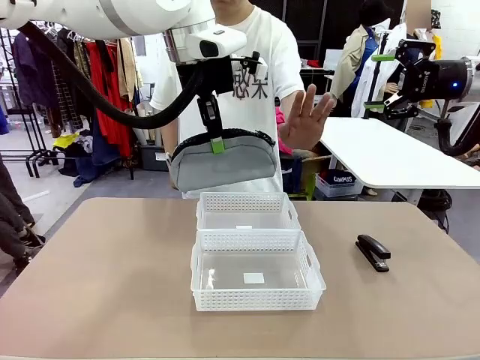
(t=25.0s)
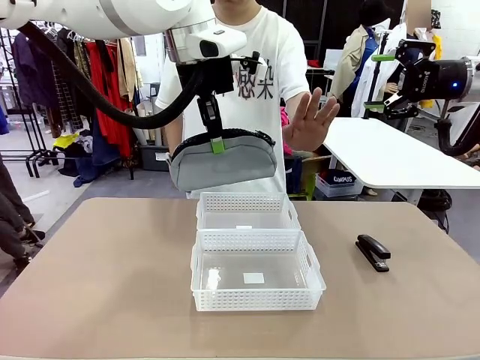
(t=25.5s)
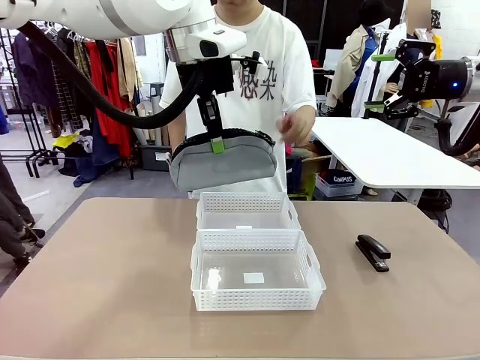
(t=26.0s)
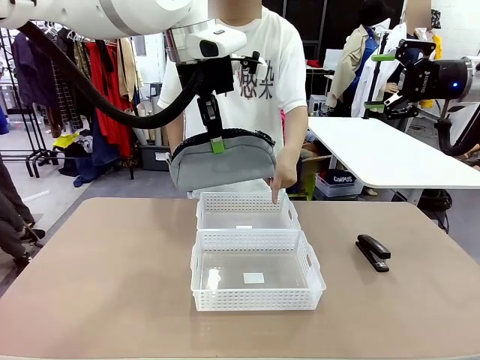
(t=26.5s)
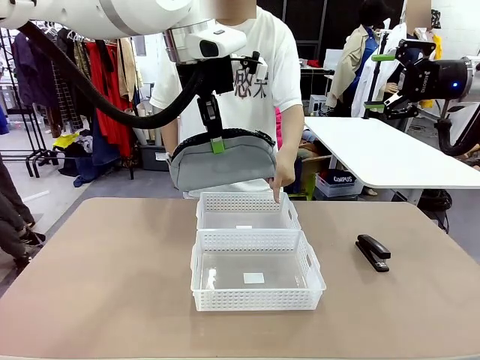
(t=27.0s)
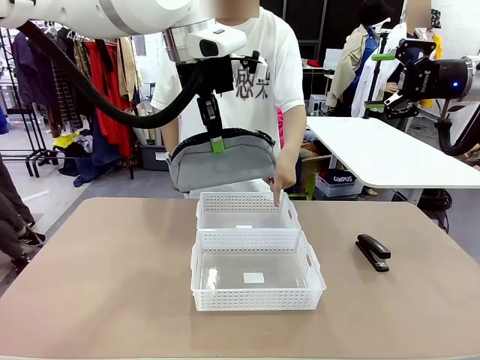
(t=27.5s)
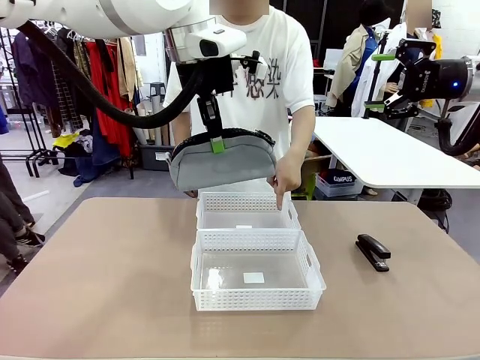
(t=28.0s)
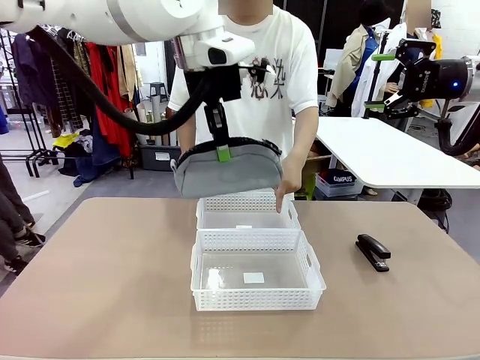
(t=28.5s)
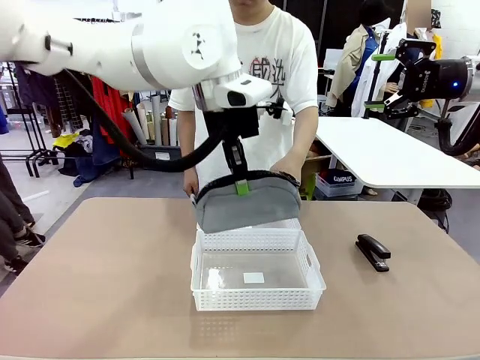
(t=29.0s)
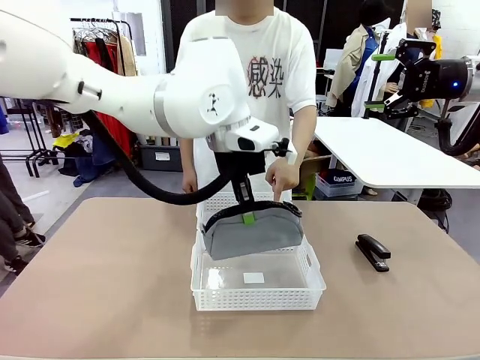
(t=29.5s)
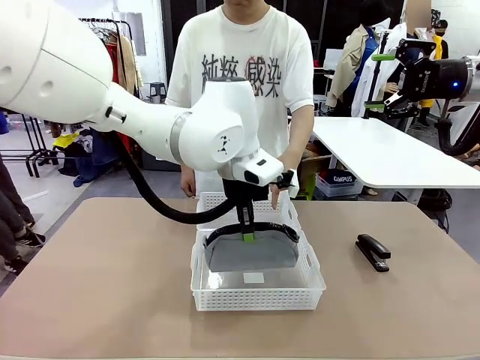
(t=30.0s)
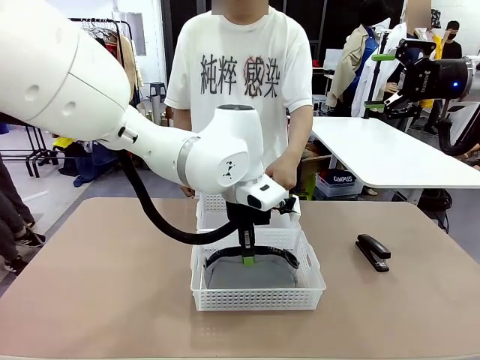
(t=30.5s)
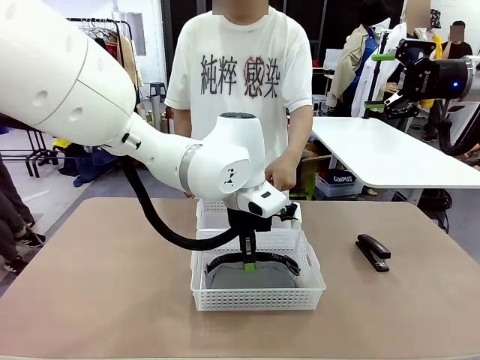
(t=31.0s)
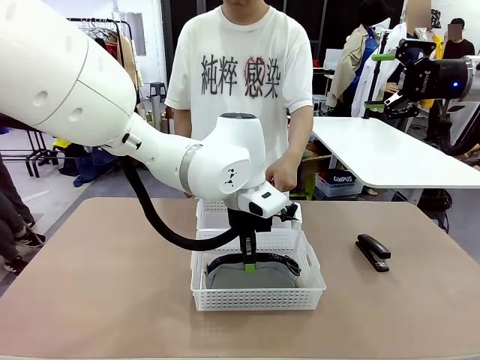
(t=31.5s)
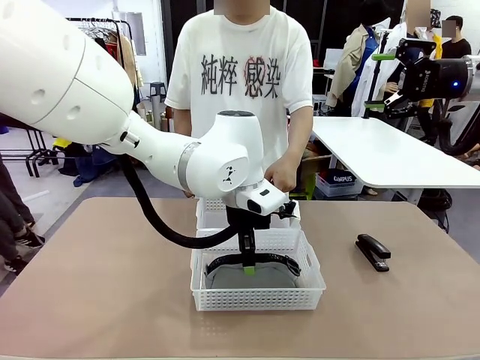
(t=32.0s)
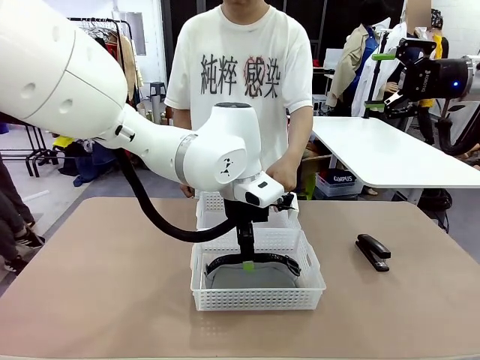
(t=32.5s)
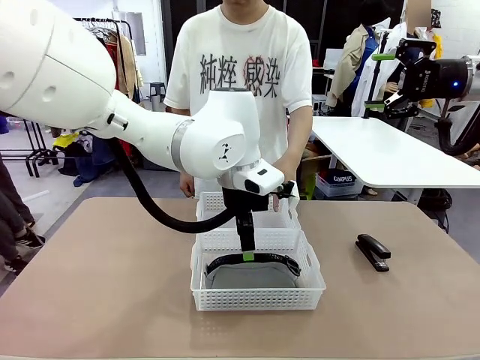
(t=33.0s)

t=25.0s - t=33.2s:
Task: Distribute items into two baskets.
Robot: Place the picked Pencil pouch into the Organizing basket as instructed by the person.
Person: Instructs the robot to place the pencil case into the opposite basket.

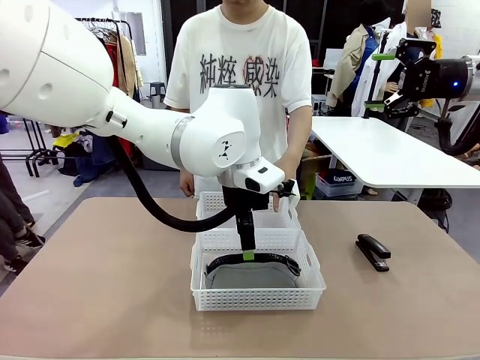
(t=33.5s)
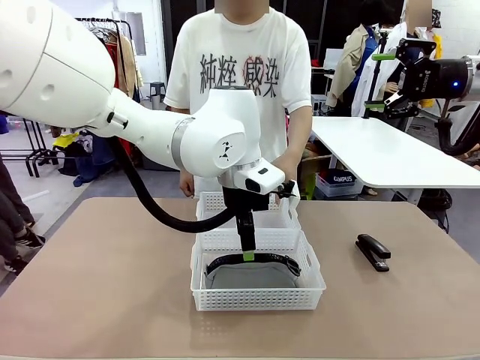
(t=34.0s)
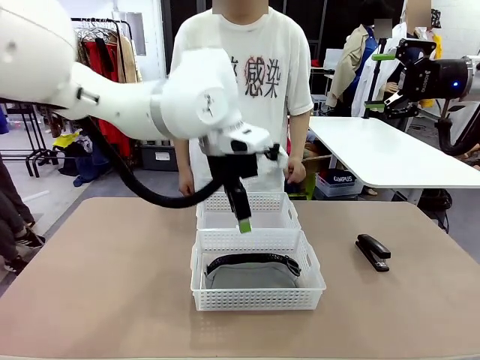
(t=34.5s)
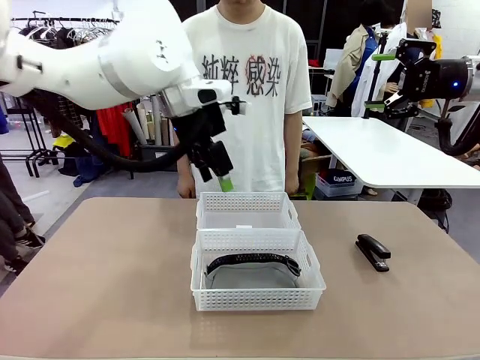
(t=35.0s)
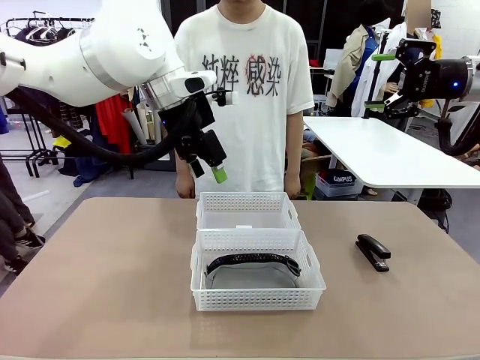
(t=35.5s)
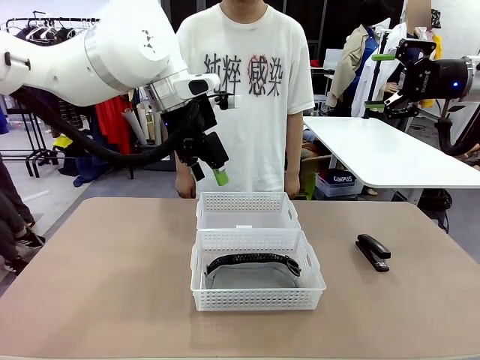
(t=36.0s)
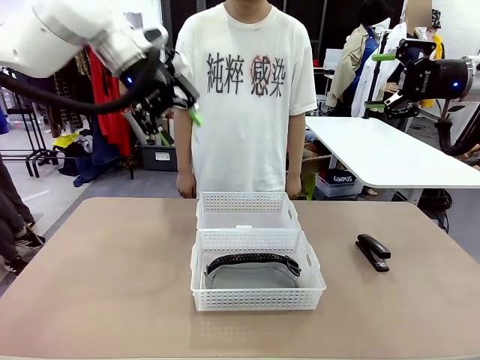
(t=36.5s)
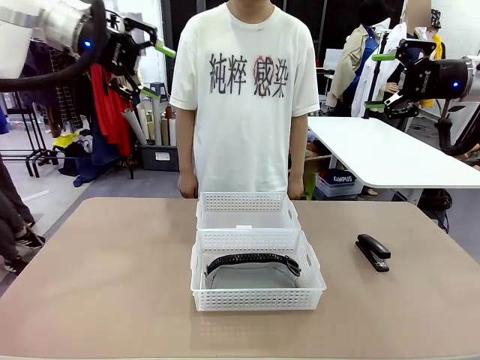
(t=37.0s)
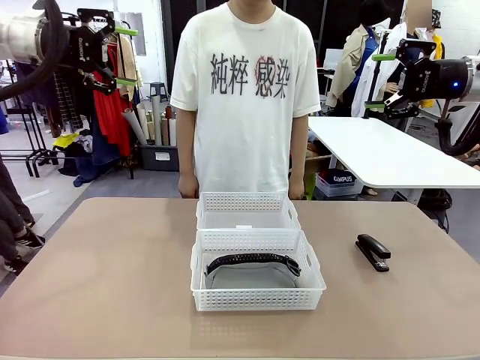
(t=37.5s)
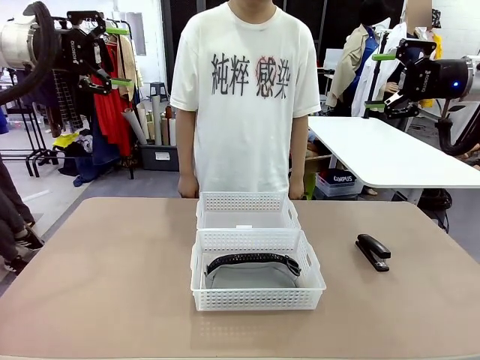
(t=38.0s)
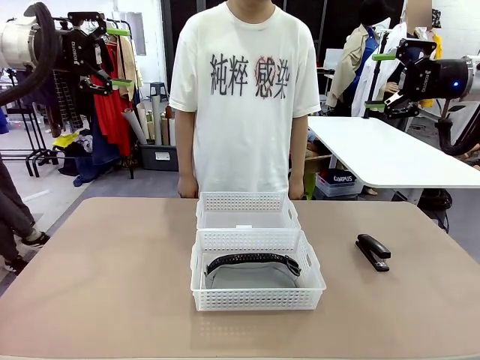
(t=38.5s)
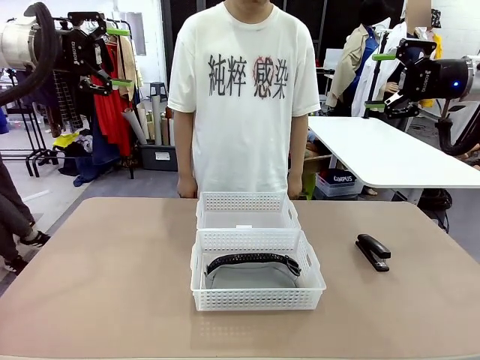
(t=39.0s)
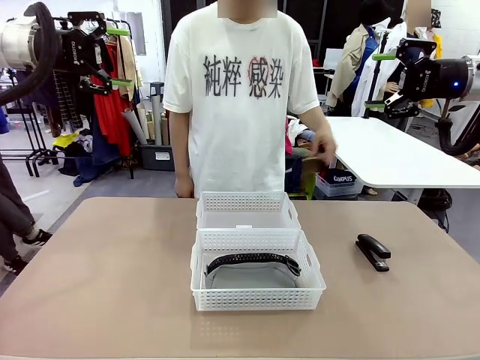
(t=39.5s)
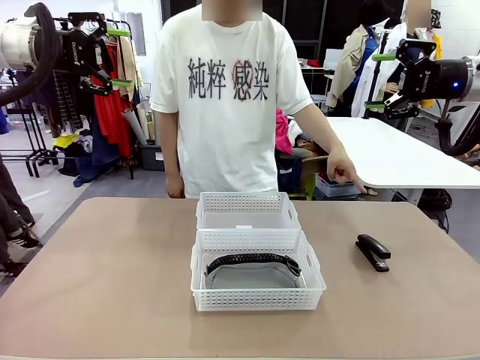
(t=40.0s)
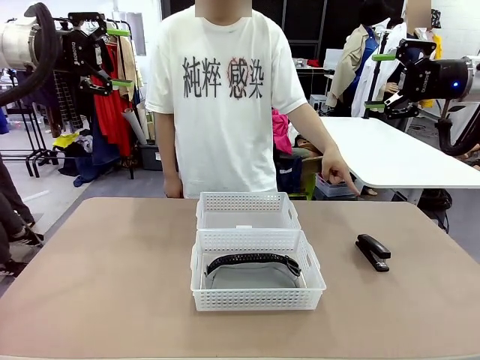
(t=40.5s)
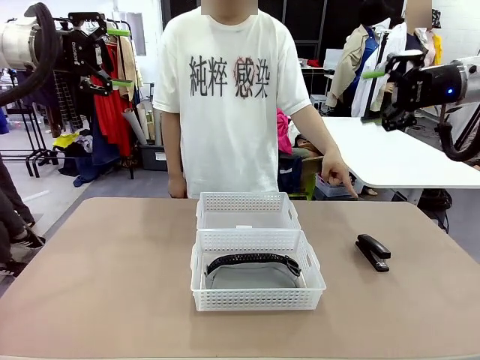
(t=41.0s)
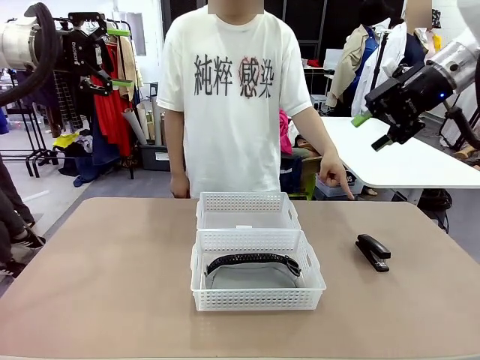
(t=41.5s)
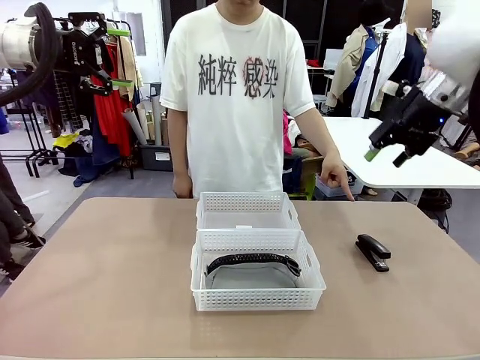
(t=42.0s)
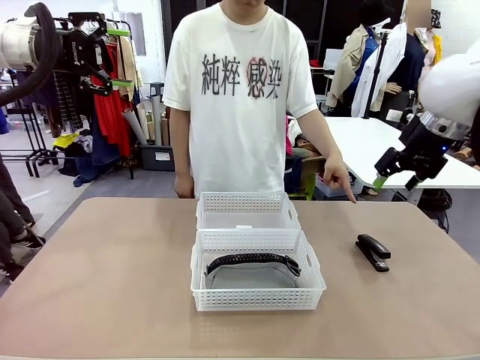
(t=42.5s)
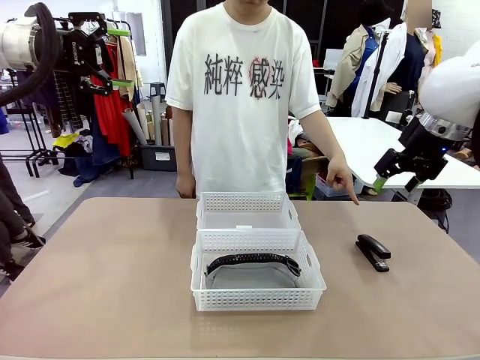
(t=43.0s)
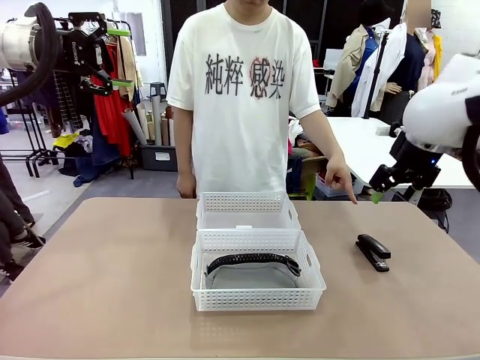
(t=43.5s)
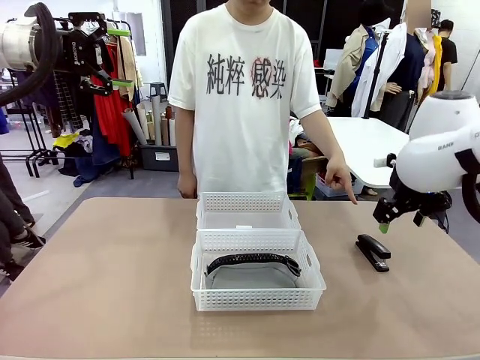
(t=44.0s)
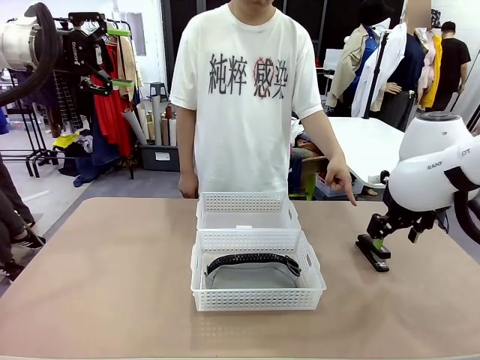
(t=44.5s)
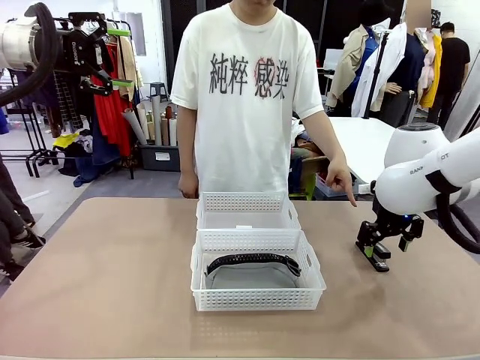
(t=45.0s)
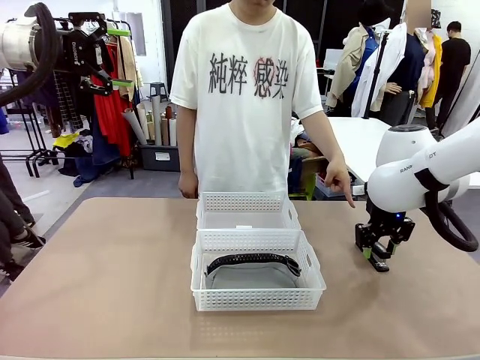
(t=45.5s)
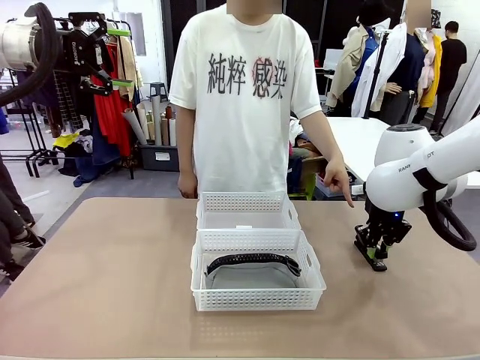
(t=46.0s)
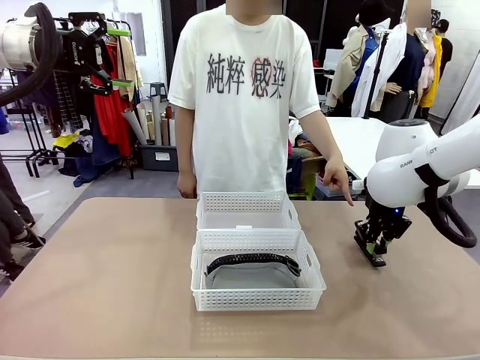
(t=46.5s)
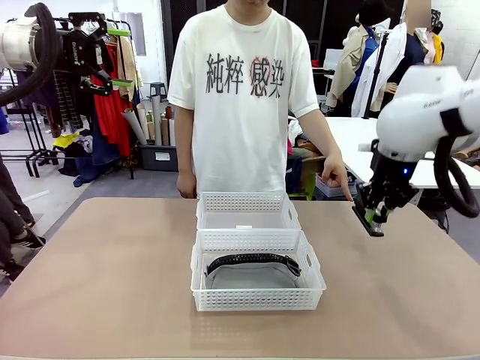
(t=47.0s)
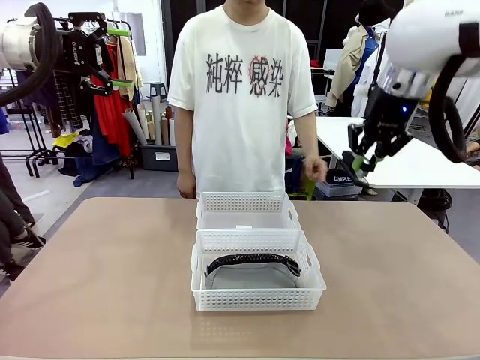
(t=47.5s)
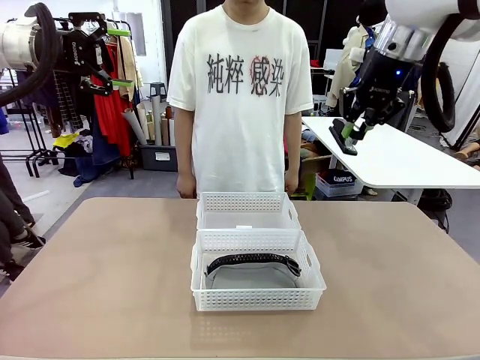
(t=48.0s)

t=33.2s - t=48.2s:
Robot: Pick up the Stapler that the person points to.
Person: Points to the stapler.
